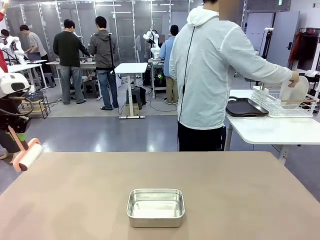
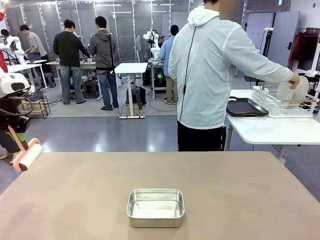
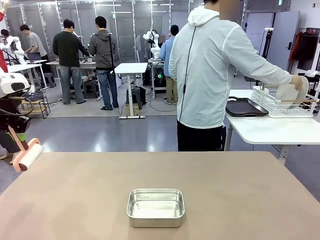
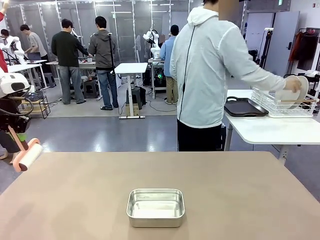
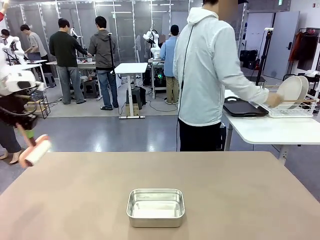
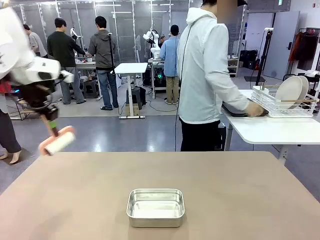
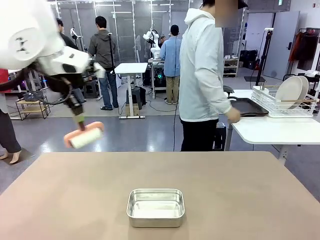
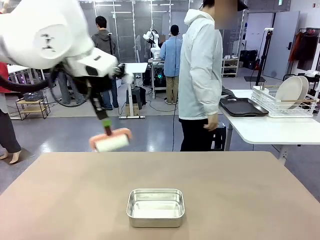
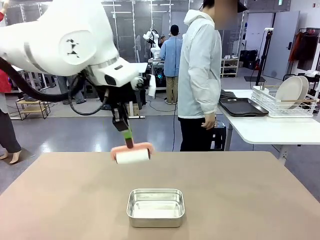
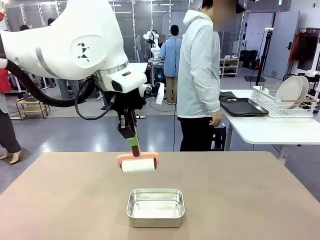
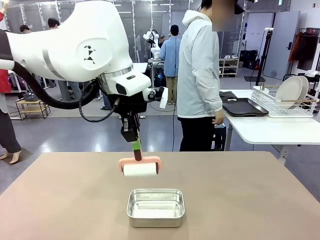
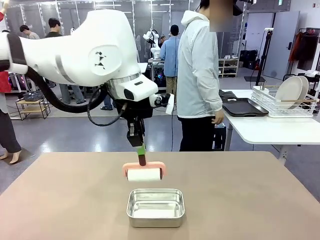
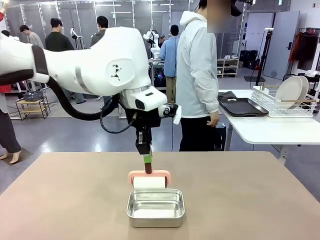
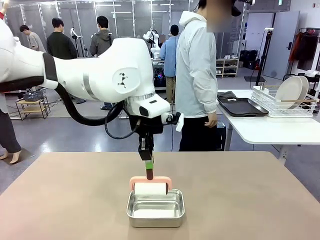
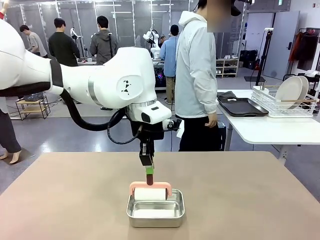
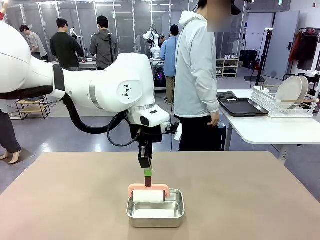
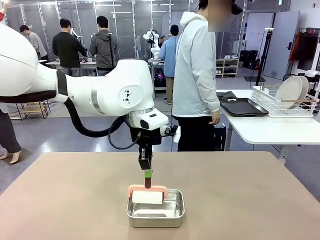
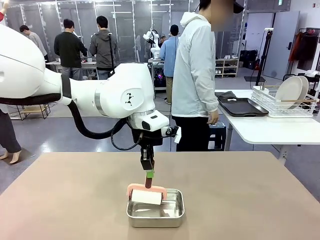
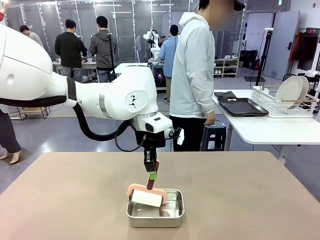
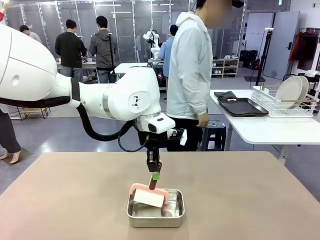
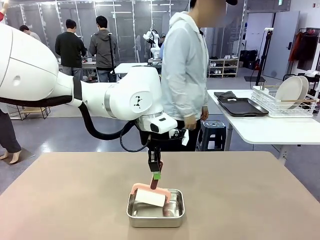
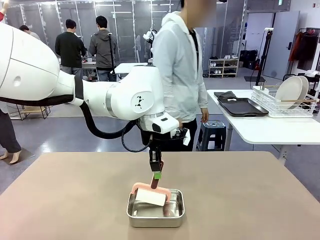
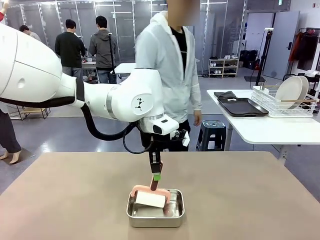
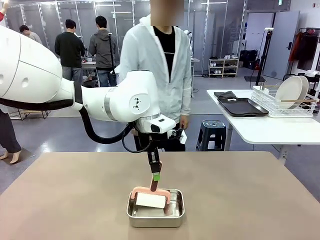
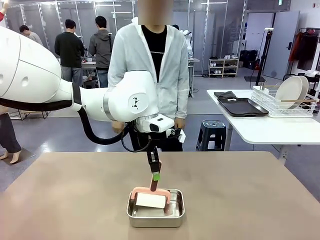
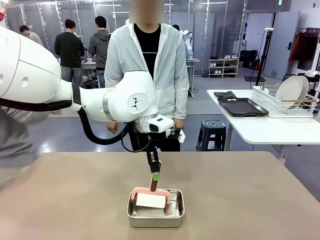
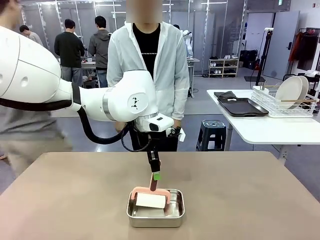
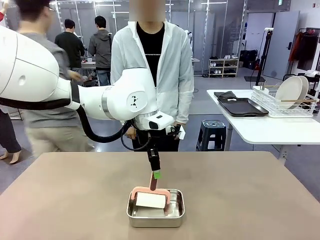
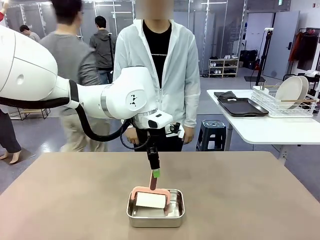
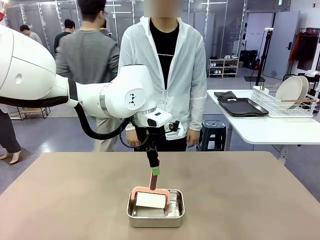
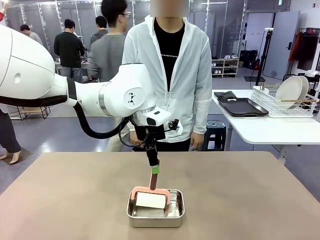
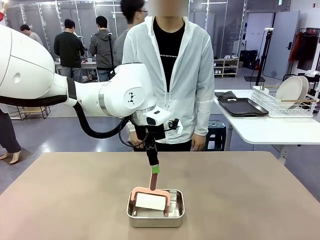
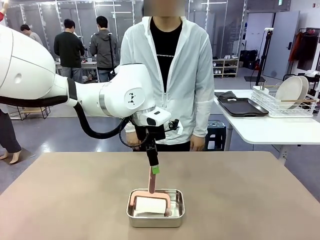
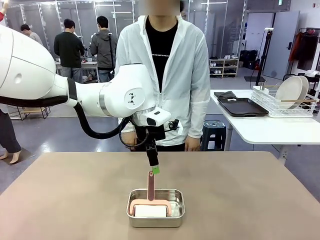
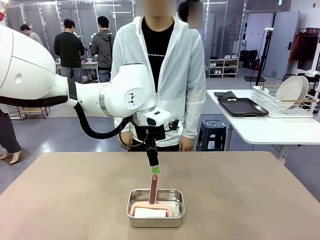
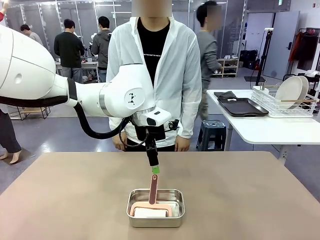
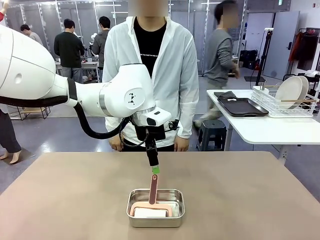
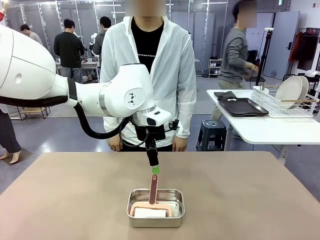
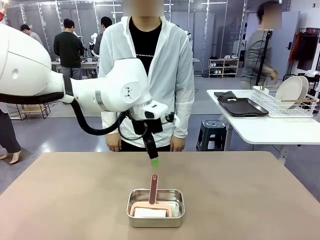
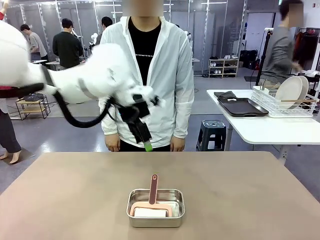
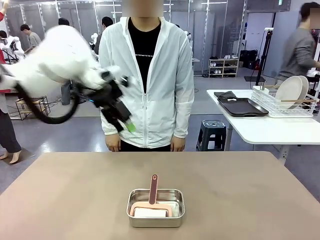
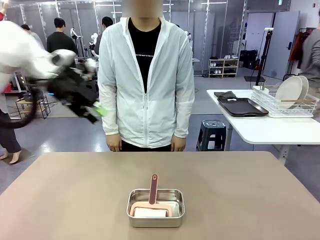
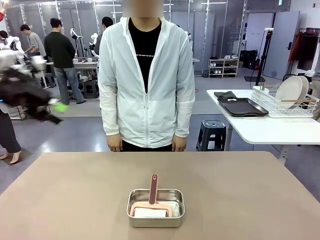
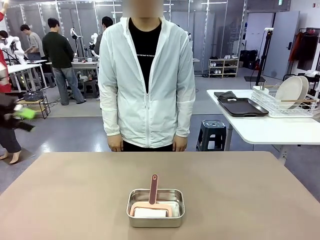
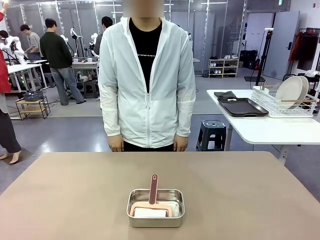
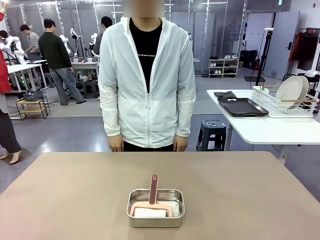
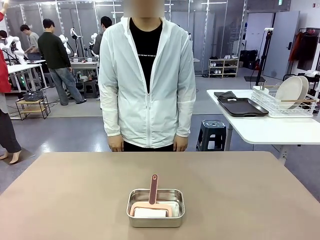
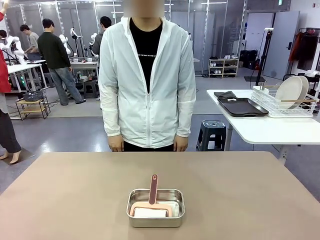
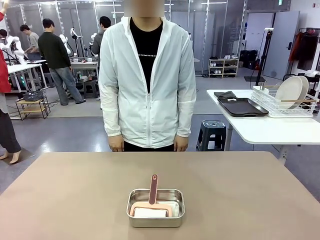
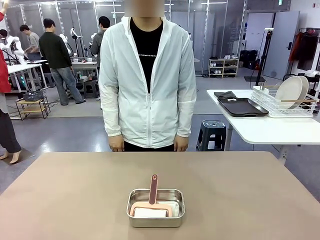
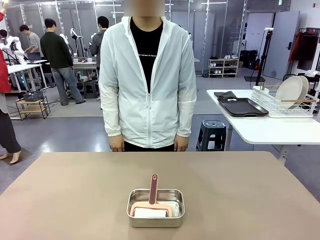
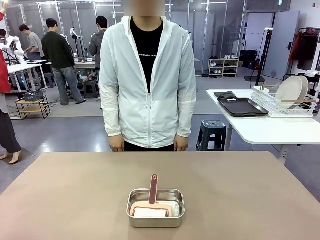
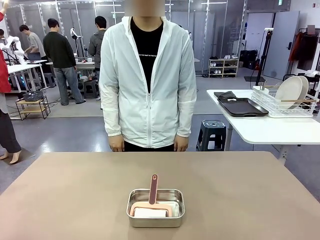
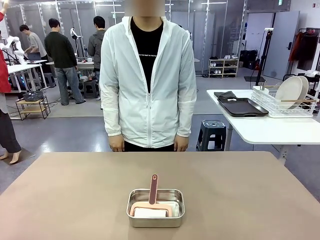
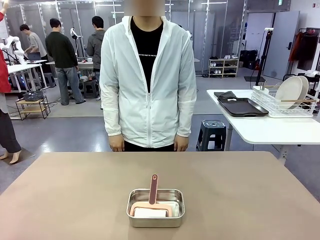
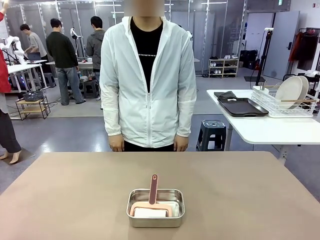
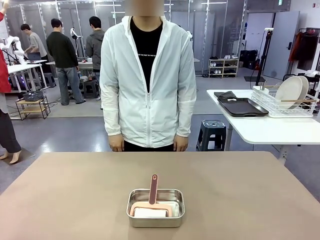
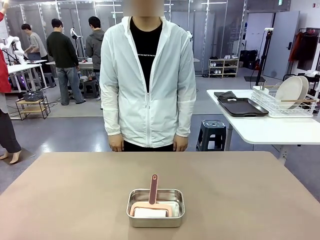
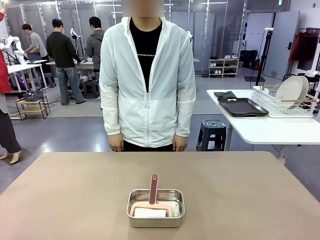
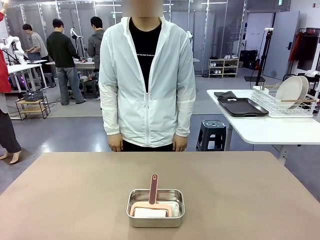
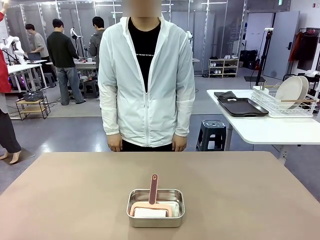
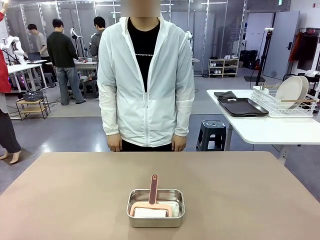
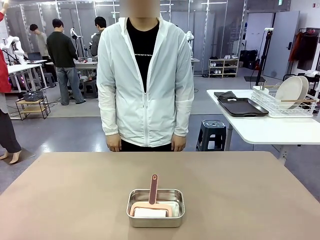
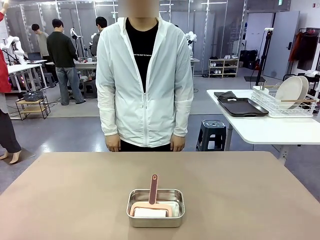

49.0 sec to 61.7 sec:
Robot: Place the Lint Roller back on top of the Airtight Container.
Person: Use the Towel with hook to wipe the Plastic Matte Plate , Fork , and Knife and place into the Dish drying rack.

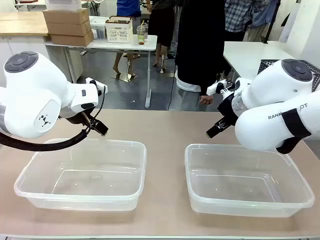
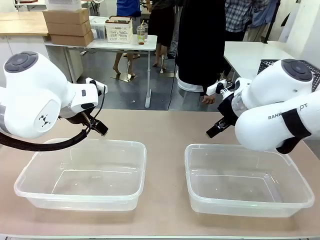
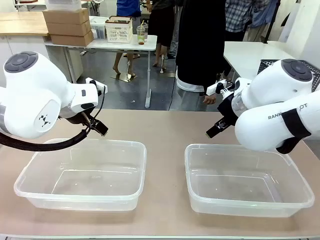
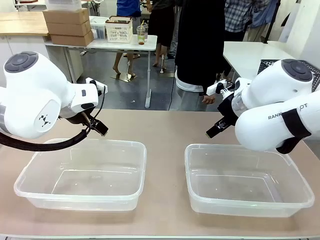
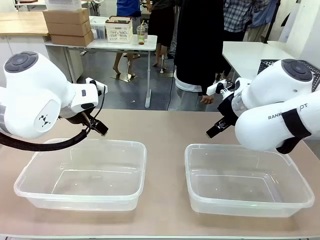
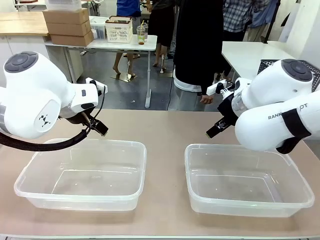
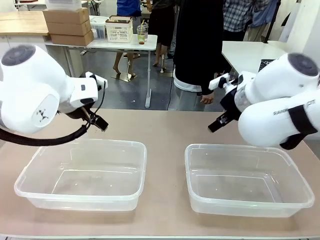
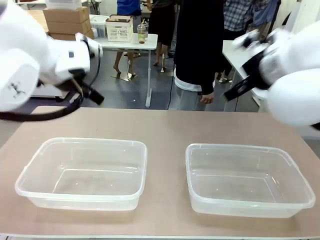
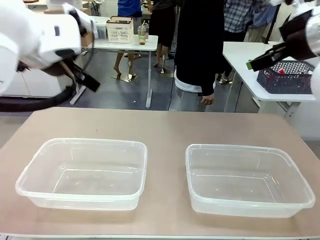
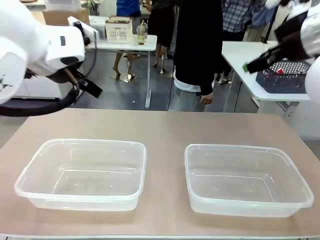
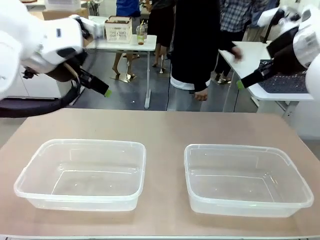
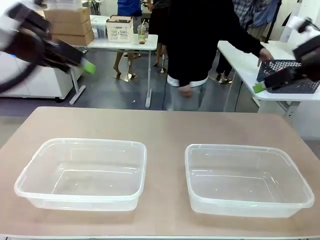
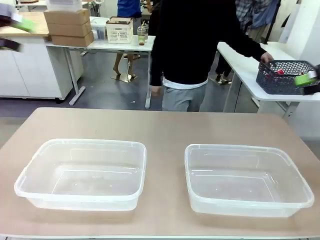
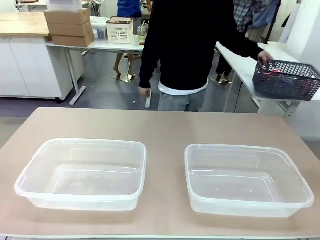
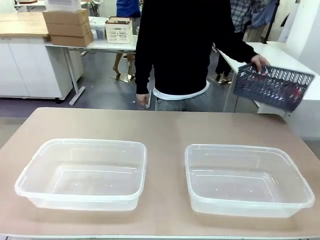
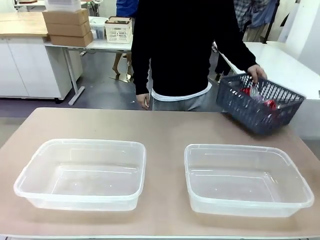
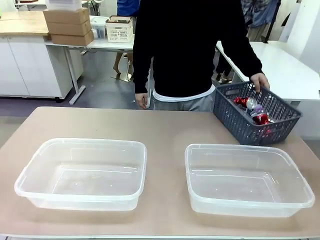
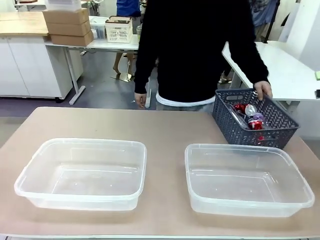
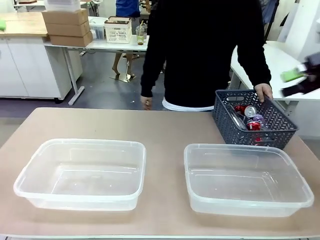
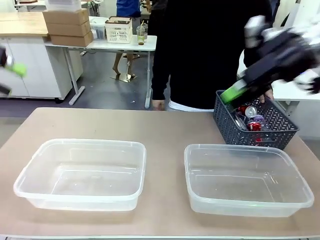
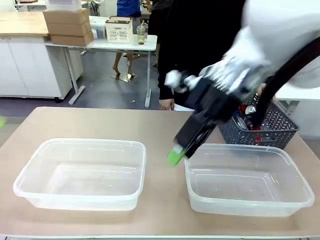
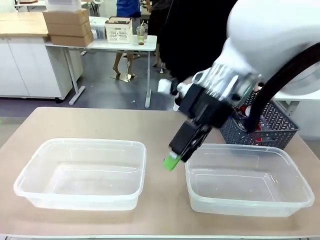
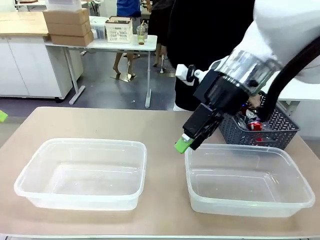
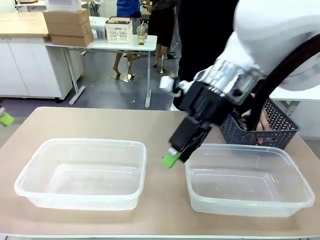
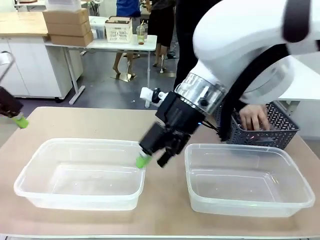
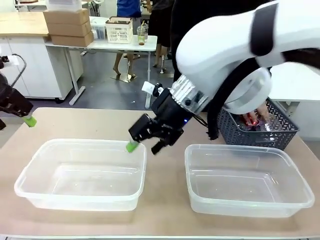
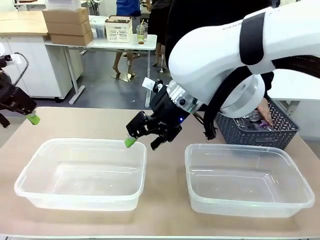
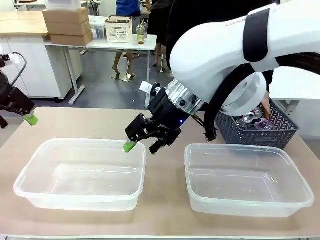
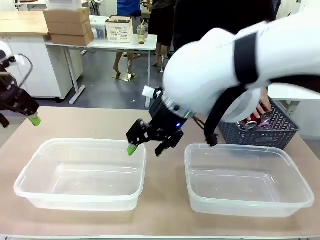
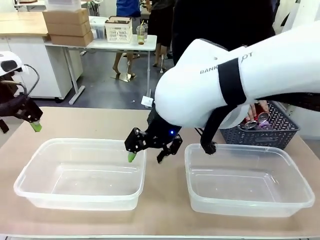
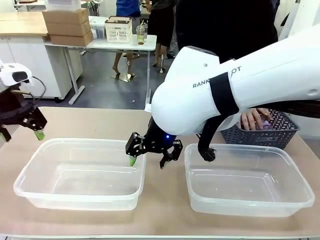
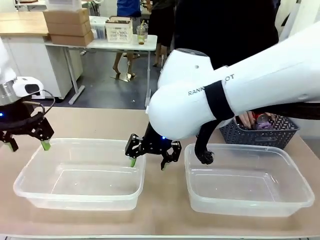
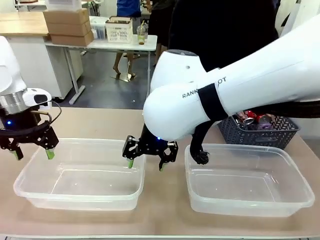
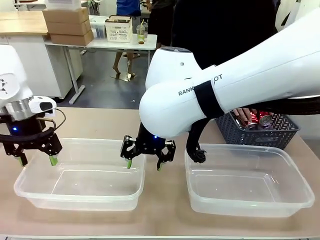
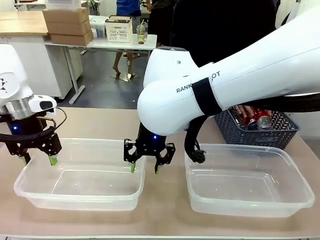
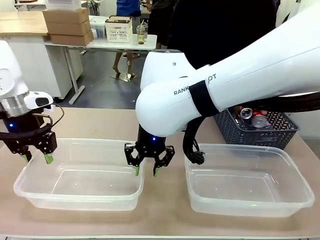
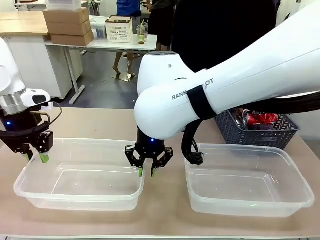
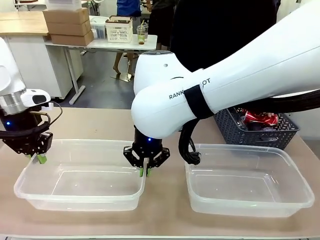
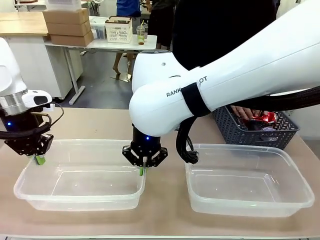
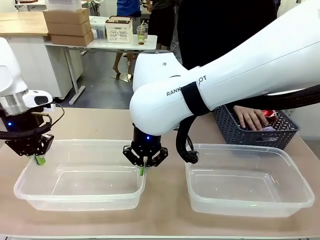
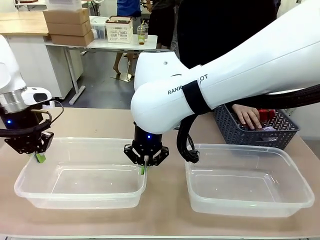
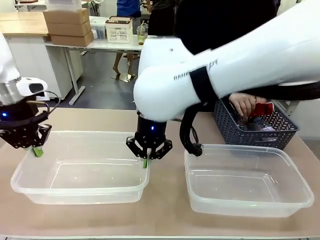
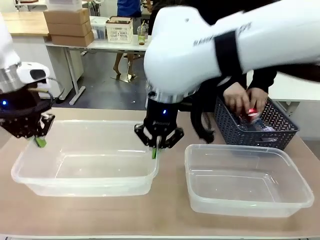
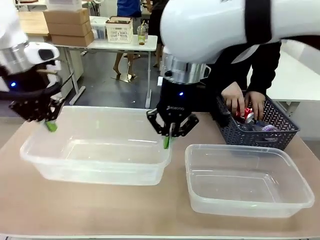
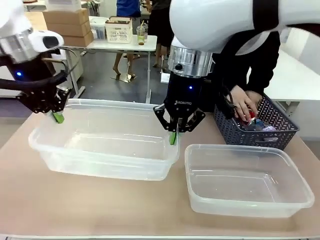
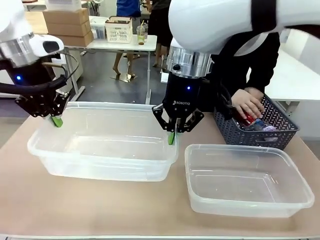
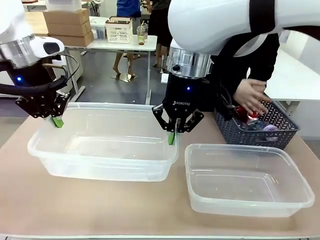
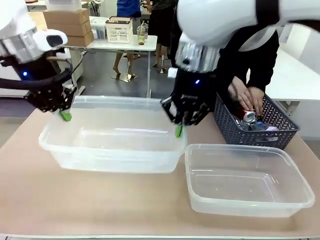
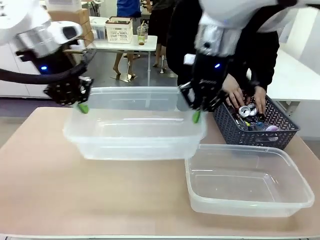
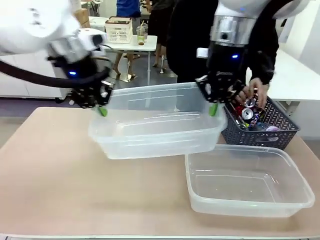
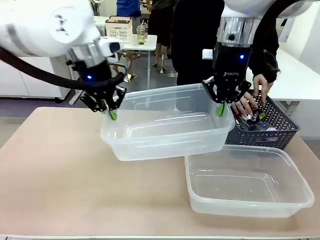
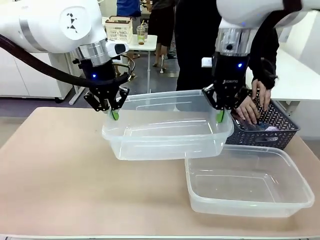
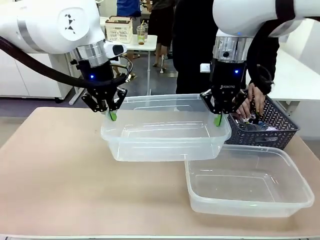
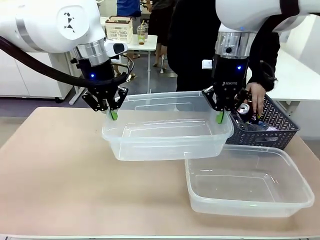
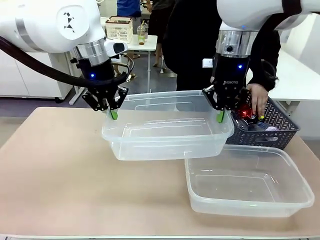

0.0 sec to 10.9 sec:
Robot: Pick up the Organizing box on the left side of the table and lift it.
Person: Pick up the storage basket and place it on the left side of the robot table. Pick up can-shaped waste one by one and place it into the organizing box lifted by the robot.
